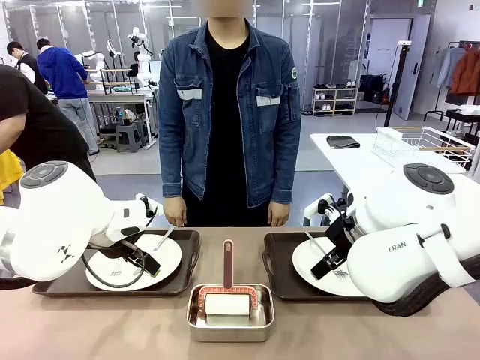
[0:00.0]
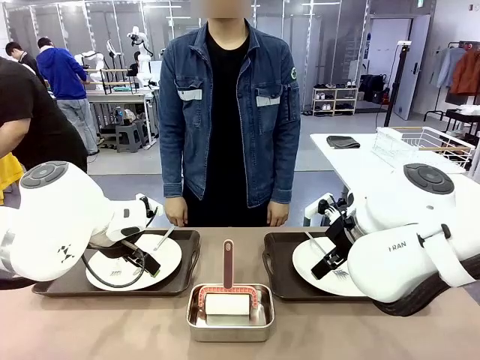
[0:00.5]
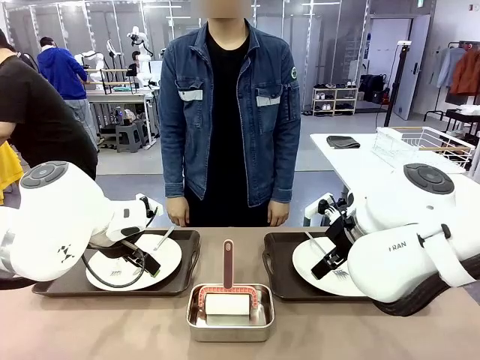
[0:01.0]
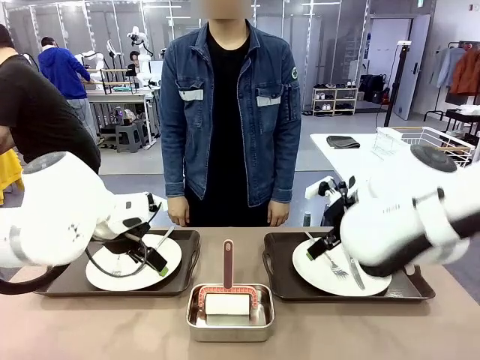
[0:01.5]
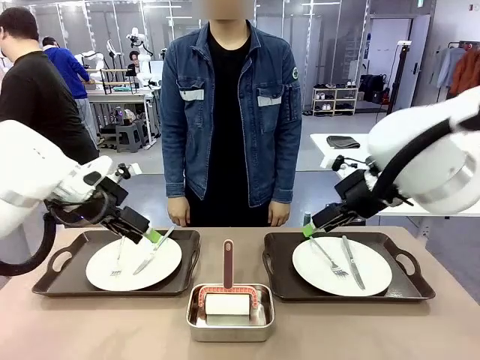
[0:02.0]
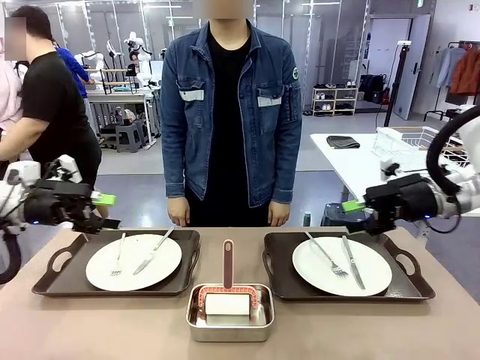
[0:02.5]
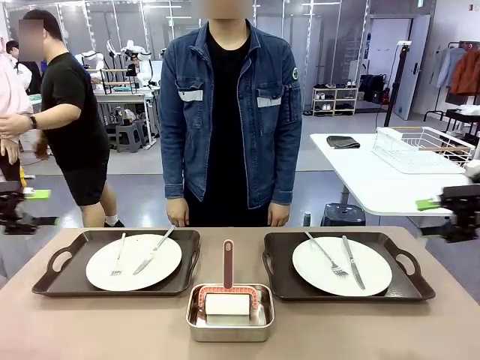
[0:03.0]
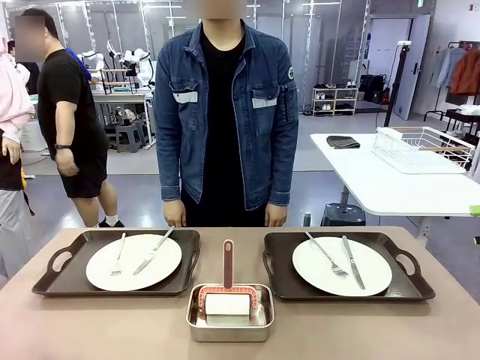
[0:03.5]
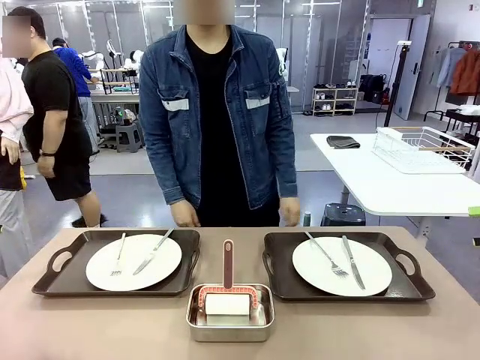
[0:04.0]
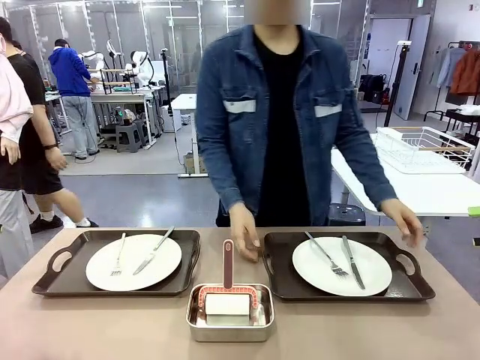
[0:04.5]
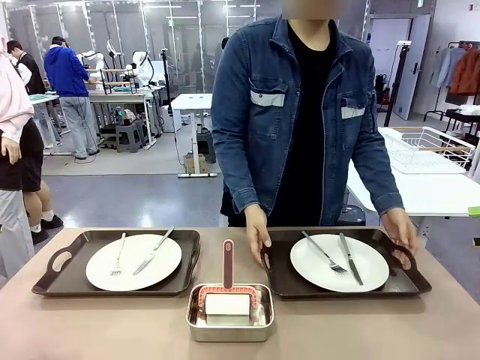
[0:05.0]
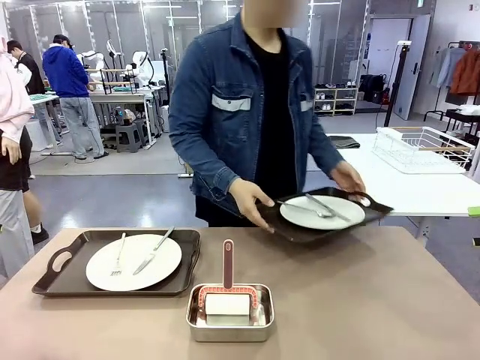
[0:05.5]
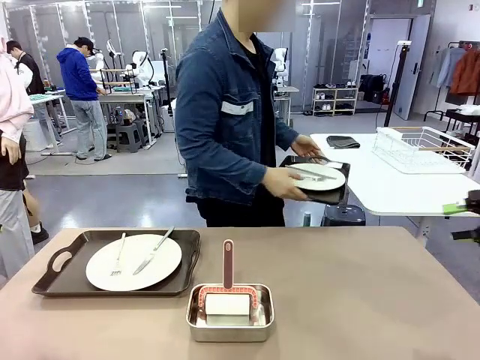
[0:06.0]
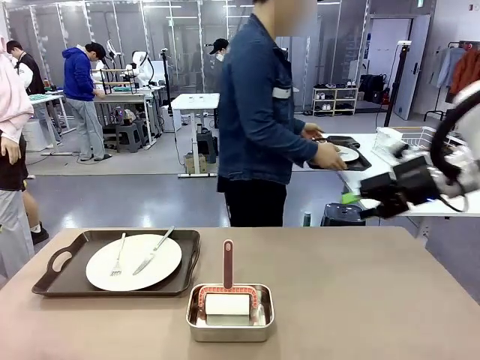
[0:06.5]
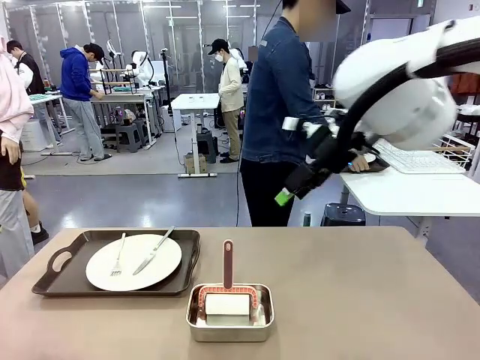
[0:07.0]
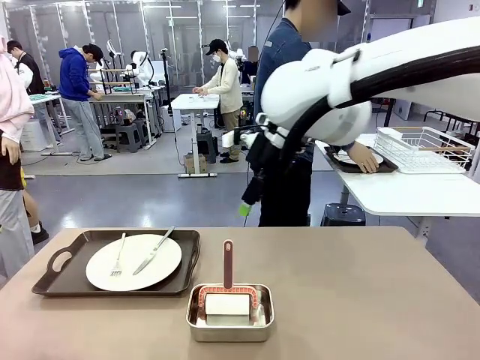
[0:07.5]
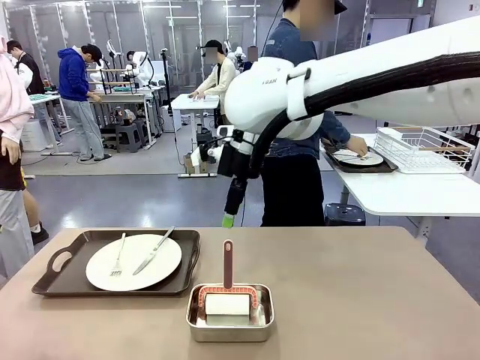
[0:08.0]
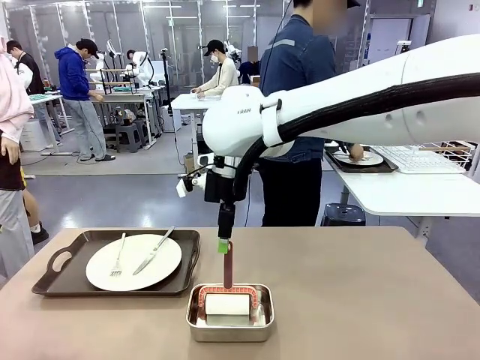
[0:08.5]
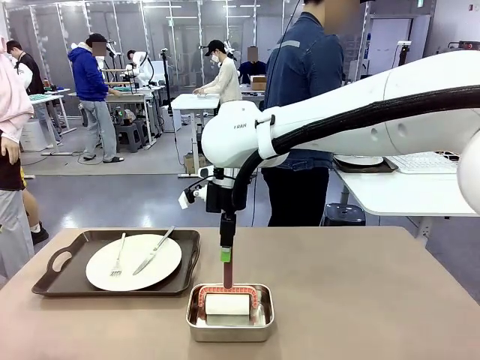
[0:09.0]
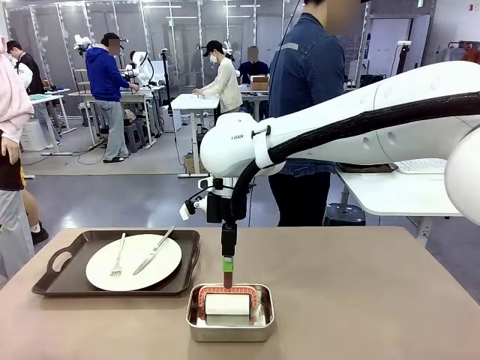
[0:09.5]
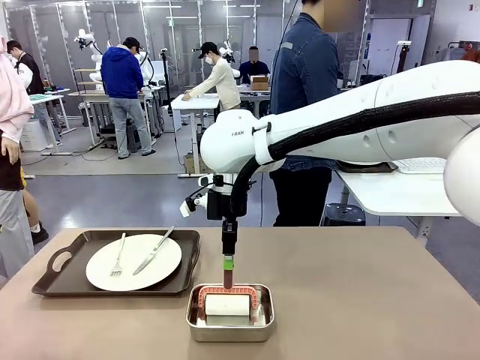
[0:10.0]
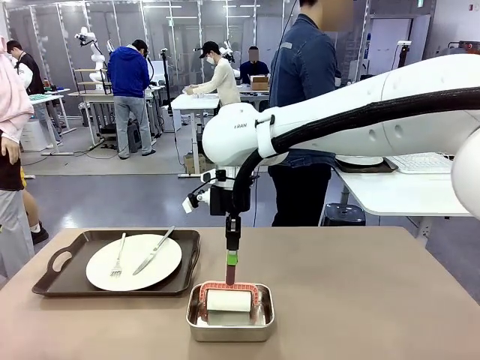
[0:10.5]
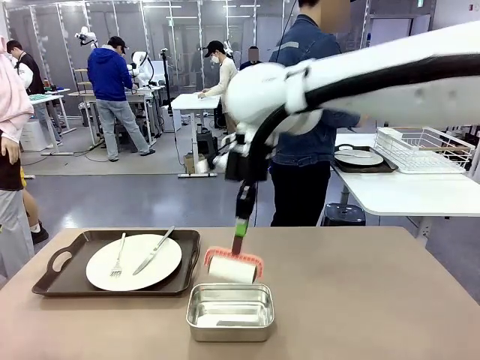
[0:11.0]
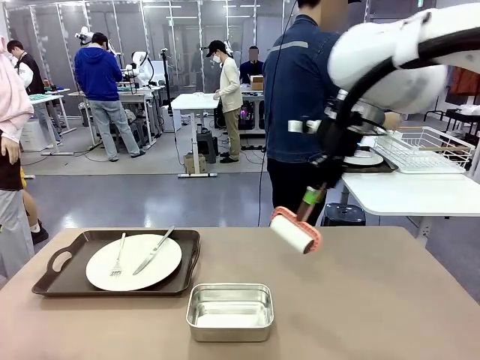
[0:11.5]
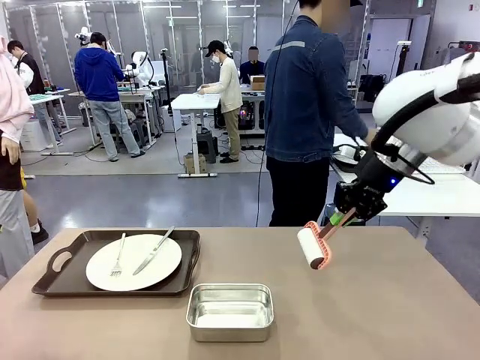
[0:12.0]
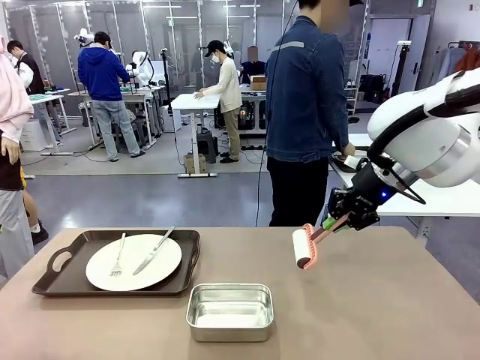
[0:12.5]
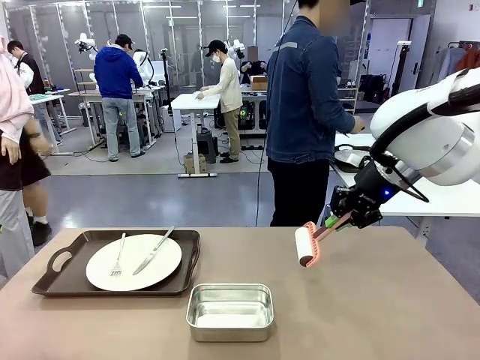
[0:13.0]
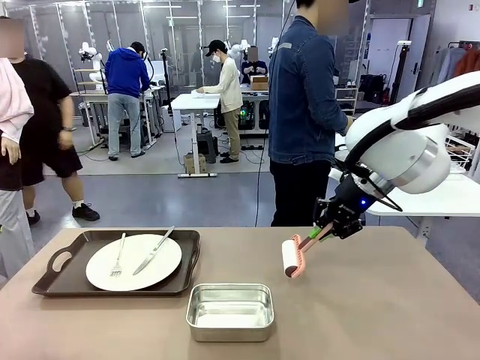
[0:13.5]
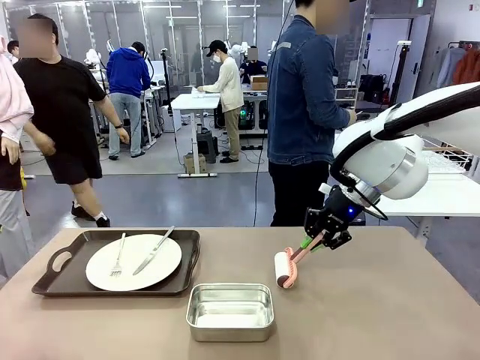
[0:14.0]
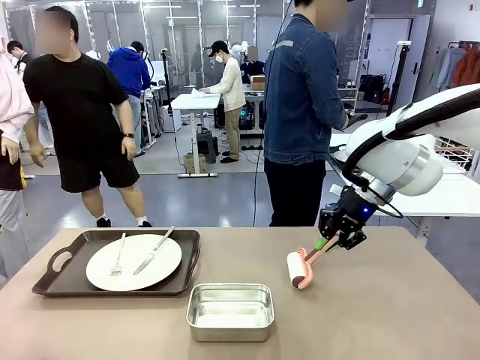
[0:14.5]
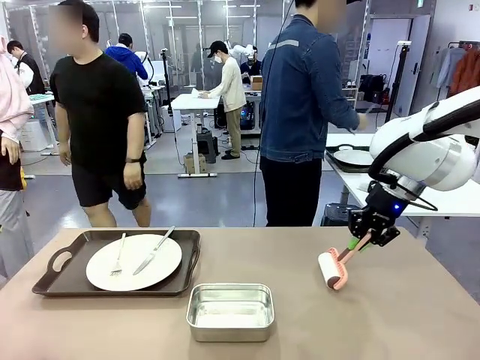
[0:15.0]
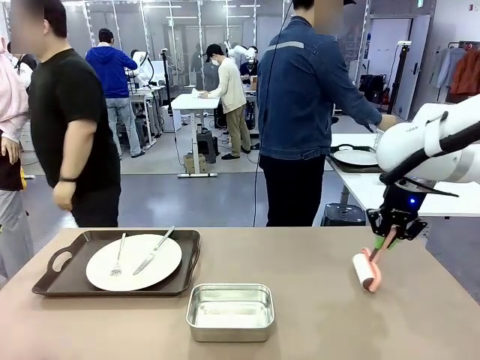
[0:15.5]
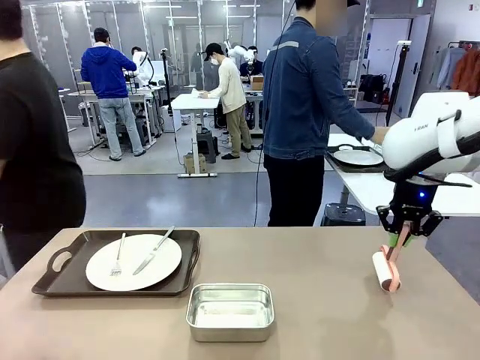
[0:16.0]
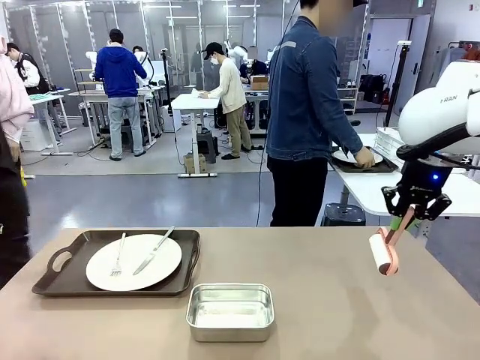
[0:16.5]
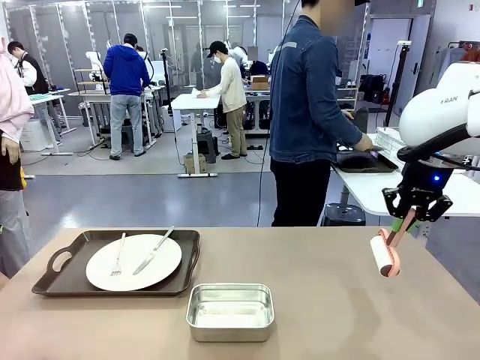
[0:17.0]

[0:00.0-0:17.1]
Robot: When the left (or right) Handle tray is removed, use the left hand (or right hand) to clean the left (or right) side of the table with the Lint Roller.
Person: Pick up the left (or right) Handle tray and place it on the middle of the Human's table. Use the Towel with hook to wipe the Plastic Matte Plate , Fork , and Knife and place into the Dish drying rack.

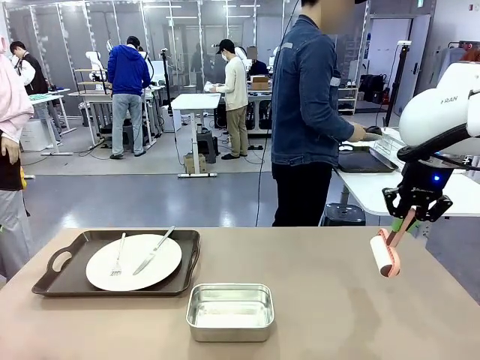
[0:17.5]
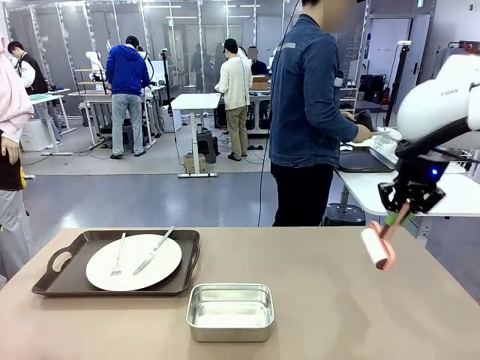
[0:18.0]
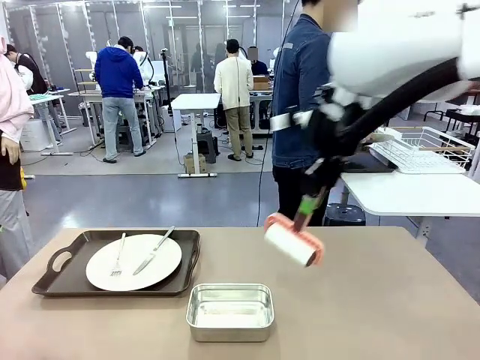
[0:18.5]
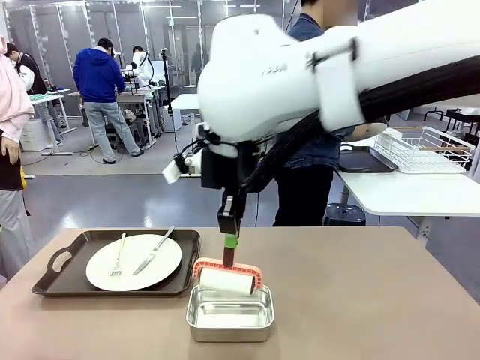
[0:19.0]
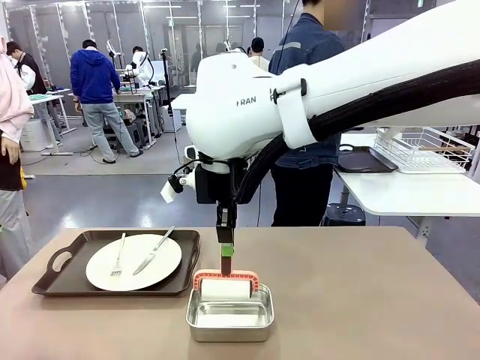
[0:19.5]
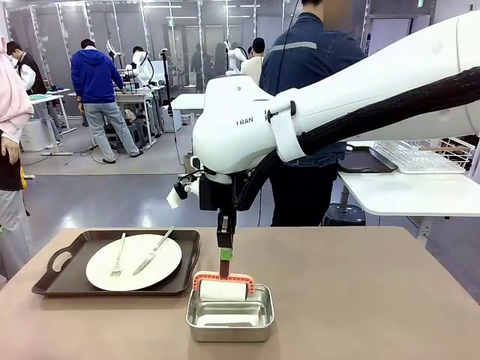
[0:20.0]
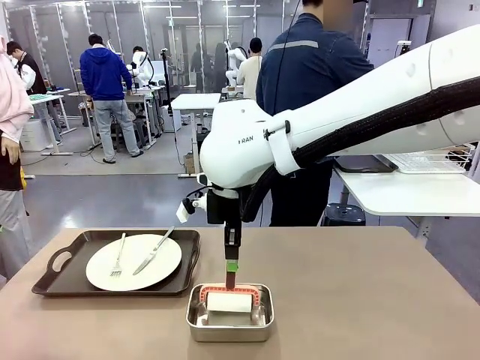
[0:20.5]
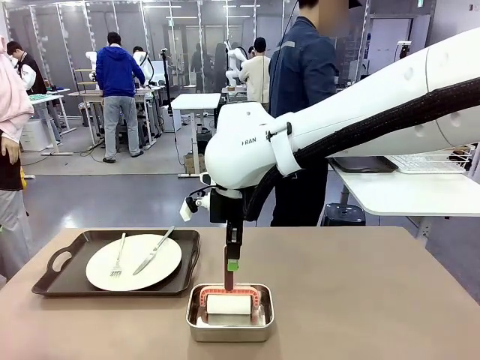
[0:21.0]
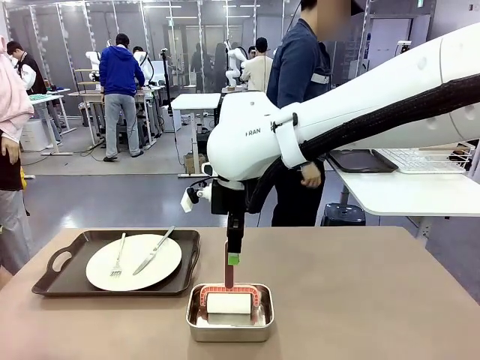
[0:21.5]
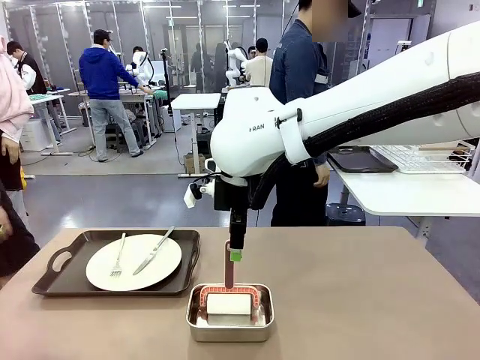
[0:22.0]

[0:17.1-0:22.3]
Robot: Place the Lint Roller back on top of the Airtight Container.
